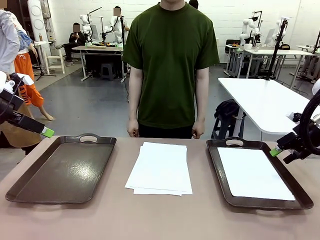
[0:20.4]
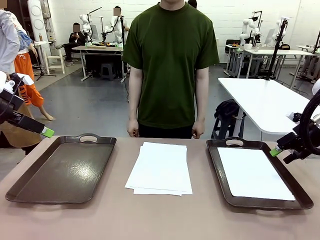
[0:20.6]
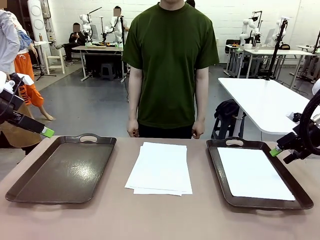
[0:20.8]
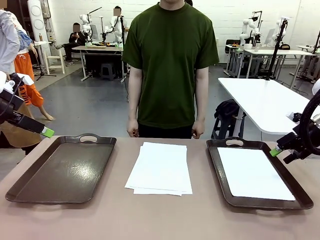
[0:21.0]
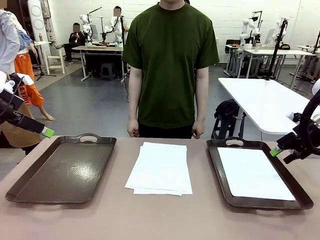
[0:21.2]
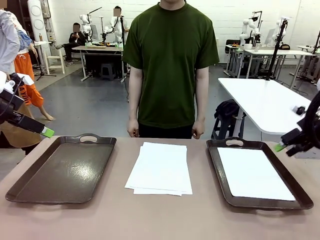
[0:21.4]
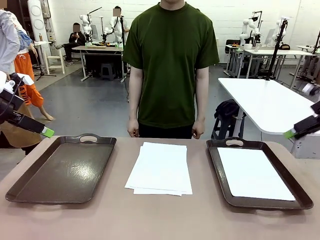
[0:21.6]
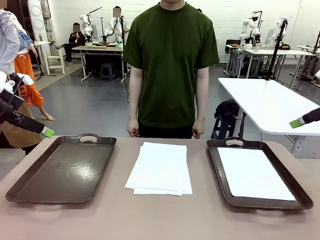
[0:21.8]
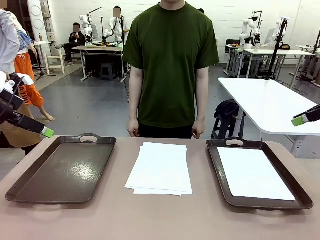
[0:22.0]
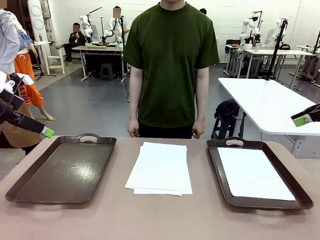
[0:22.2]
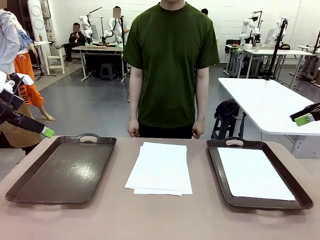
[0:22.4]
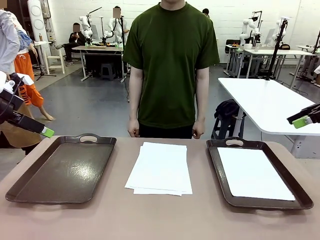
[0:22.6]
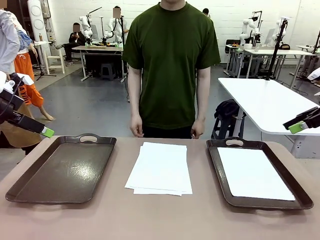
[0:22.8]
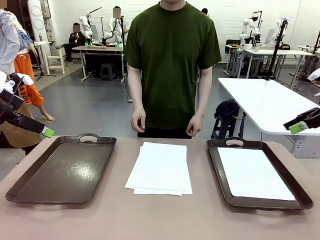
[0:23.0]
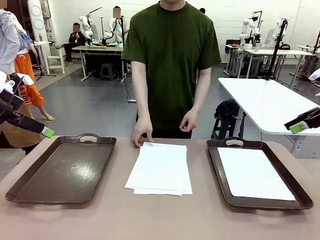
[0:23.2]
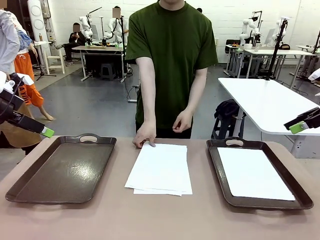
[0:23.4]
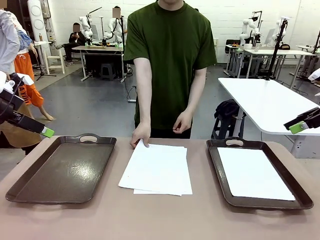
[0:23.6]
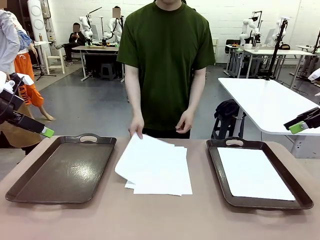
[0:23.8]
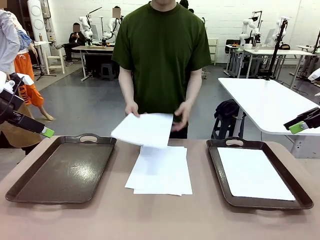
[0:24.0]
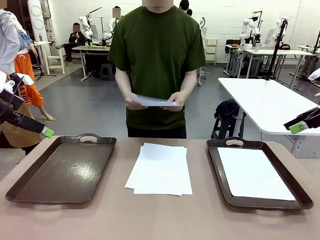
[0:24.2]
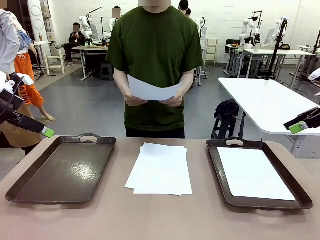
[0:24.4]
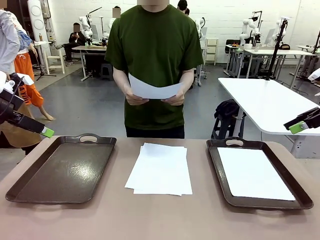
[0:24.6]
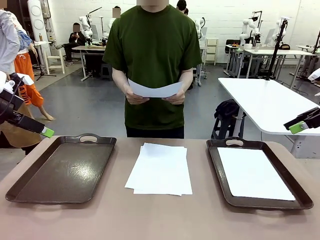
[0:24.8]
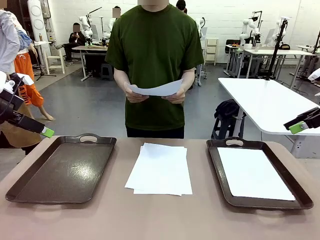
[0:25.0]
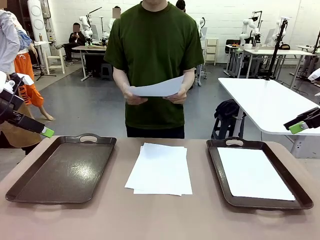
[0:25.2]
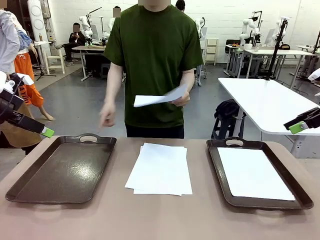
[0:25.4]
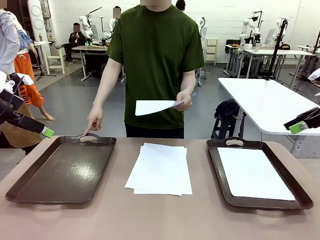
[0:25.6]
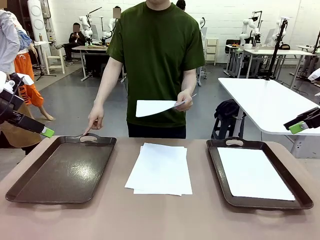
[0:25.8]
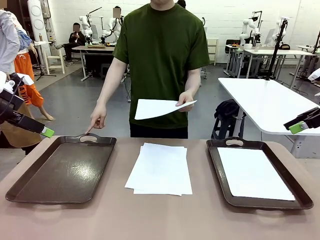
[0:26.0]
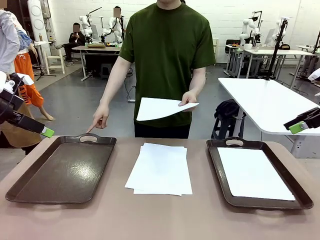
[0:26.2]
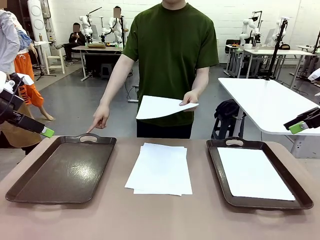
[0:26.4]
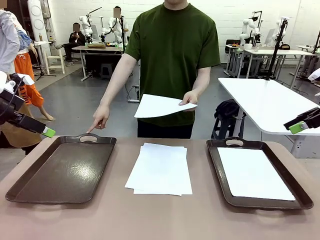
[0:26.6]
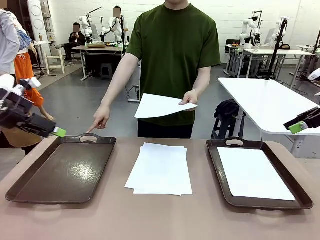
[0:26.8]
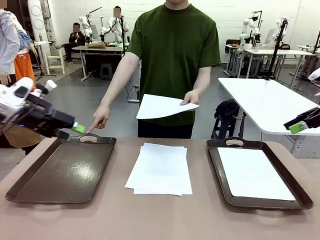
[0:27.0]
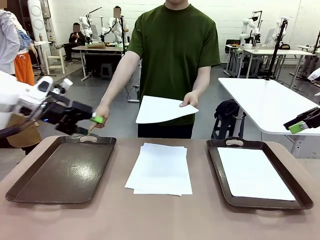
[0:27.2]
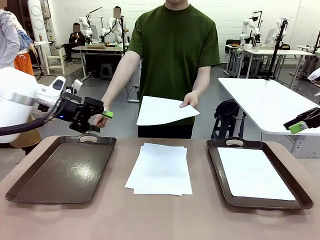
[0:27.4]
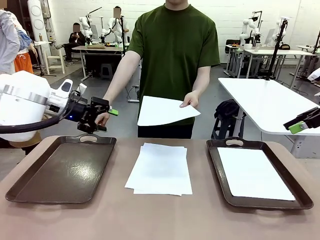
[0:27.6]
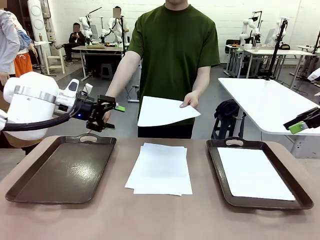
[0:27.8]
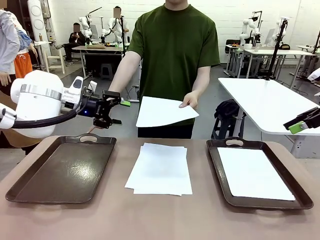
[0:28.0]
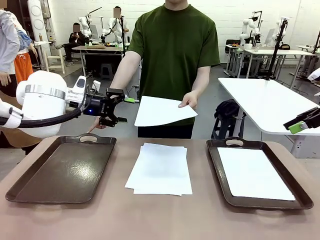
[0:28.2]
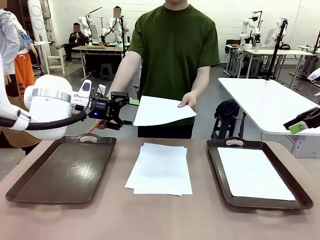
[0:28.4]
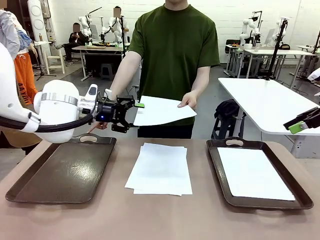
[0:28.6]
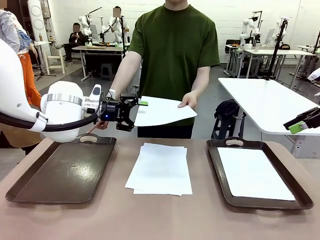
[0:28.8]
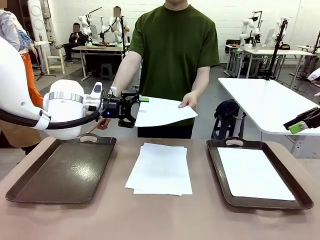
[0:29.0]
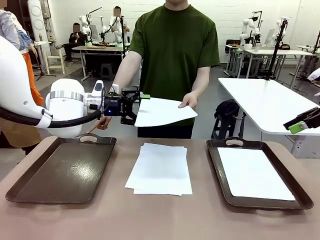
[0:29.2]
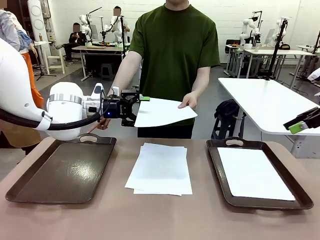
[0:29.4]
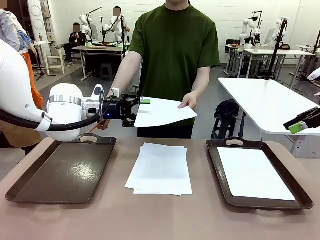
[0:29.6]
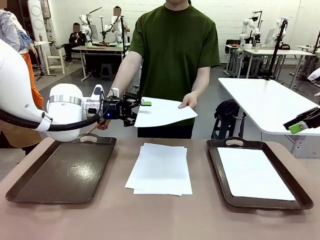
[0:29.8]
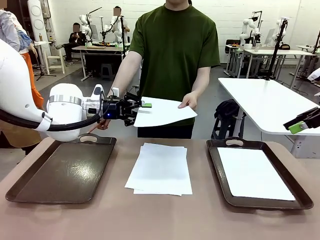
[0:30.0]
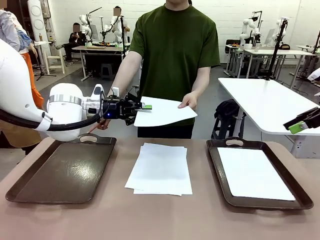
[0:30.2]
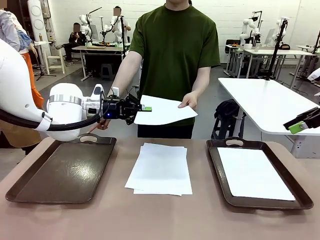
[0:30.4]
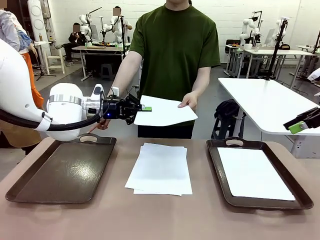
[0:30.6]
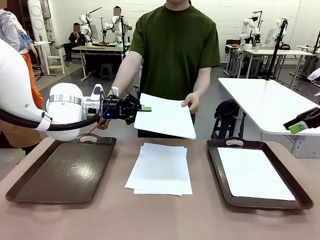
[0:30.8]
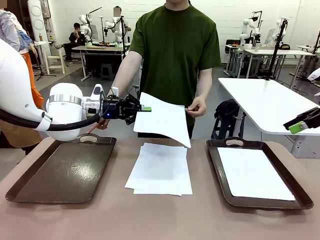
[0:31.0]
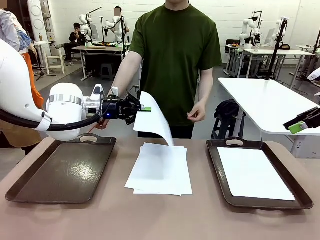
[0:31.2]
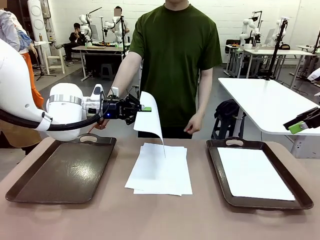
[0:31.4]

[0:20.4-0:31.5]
Task: Sort the A4 documents.
Robot: Receive the A4 Paper.
Person: Point the randomly selected tray with the other hand.

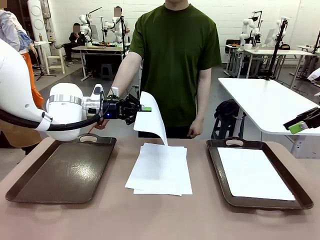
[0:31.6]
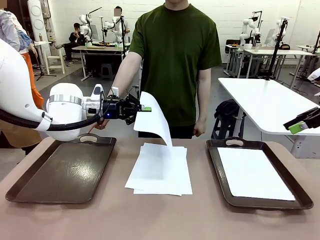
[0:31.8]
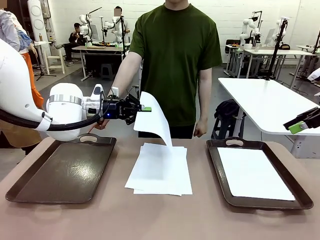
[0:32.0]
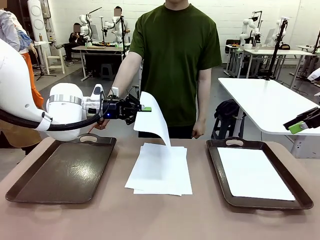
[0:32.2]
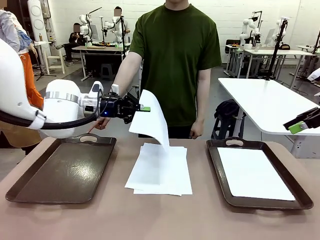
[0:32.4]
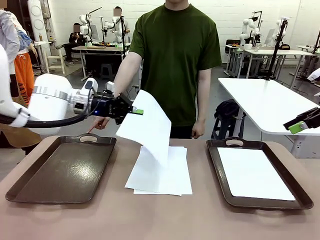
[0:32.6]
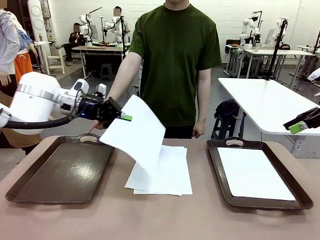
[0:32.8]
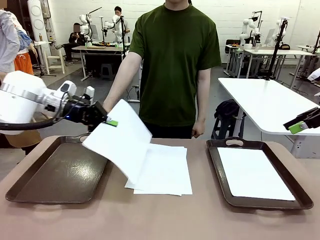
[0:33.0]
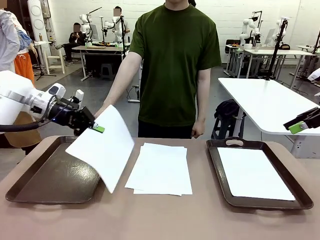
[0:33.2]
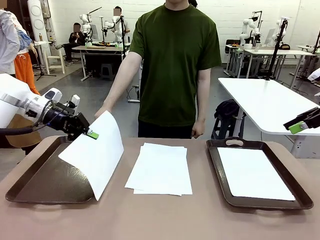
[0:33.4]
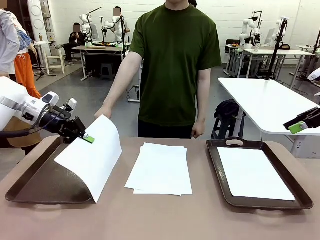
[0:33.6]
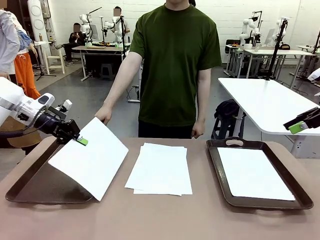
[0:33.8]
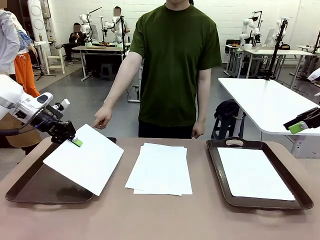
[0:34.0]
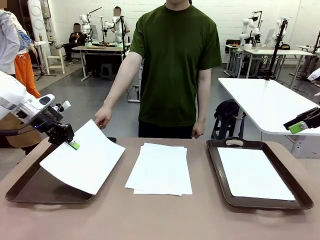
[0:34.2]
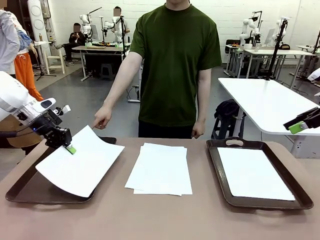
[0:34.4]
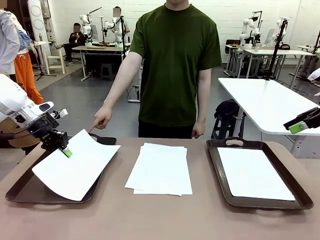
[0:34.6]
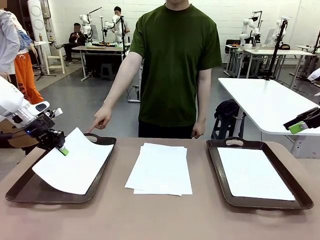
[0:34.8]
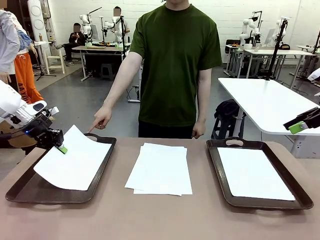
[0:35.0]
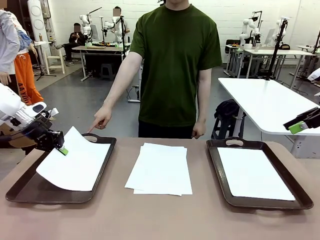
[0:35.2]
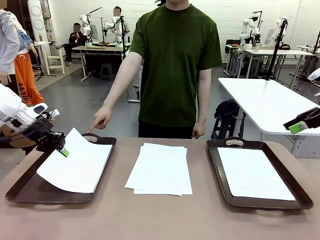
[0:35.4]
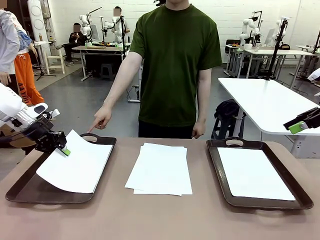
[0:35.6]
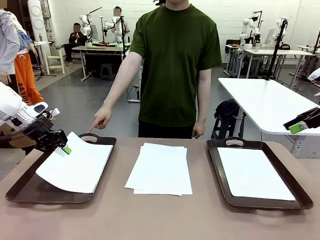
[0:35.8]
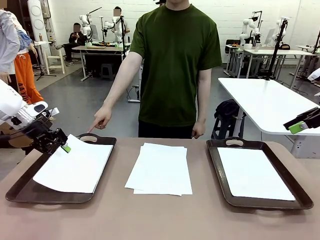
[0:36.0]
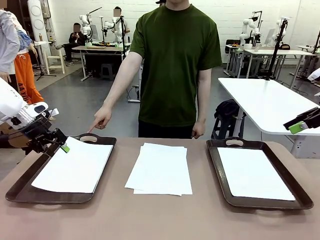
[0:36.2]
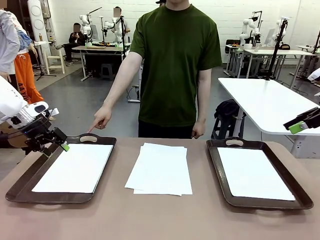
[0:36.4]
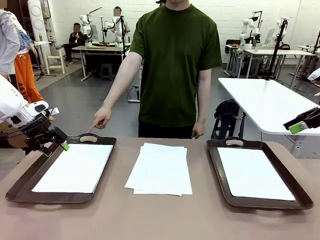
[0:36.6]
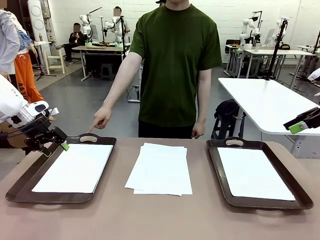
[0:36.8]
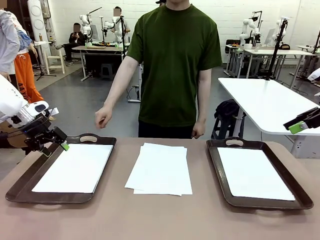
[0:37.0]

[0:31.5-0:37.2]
Robot: Place the A4 Paper in the designated Handle tray.
